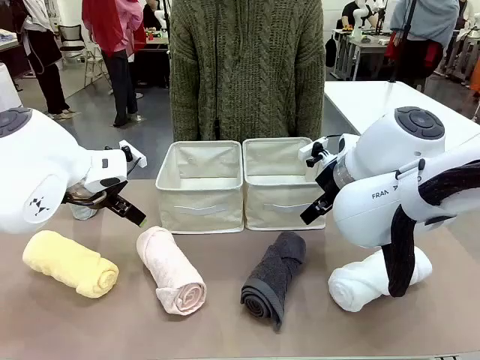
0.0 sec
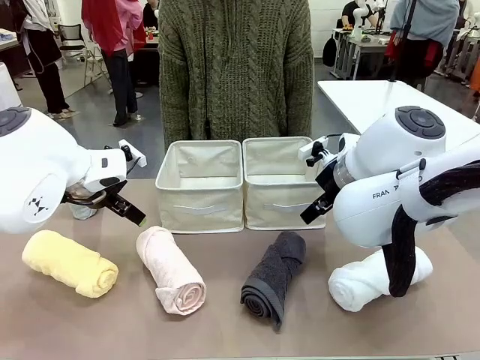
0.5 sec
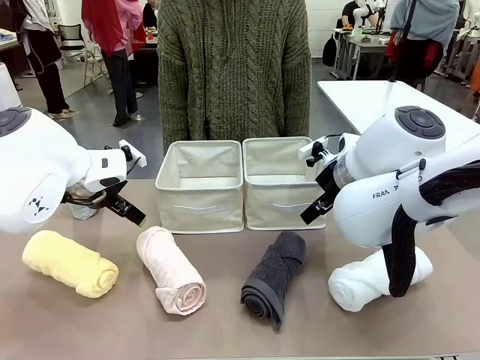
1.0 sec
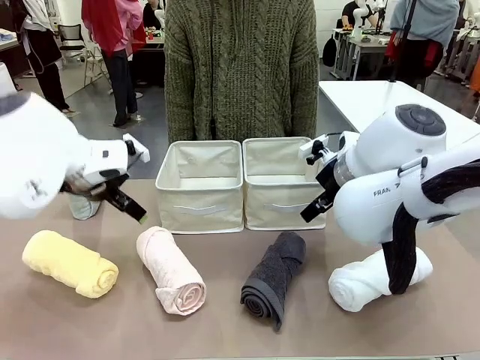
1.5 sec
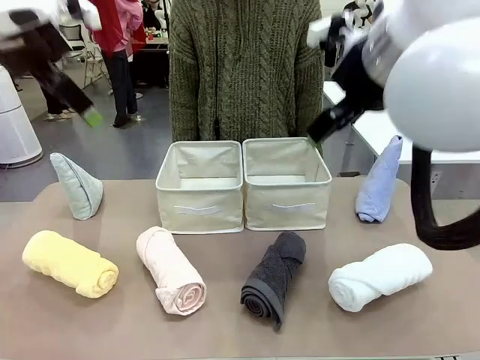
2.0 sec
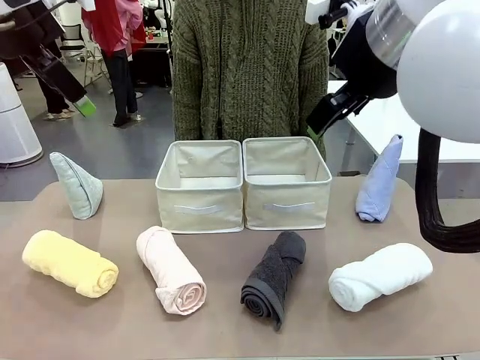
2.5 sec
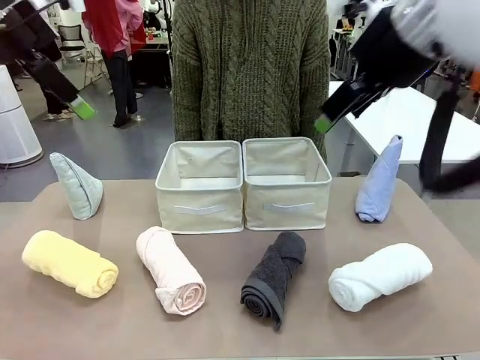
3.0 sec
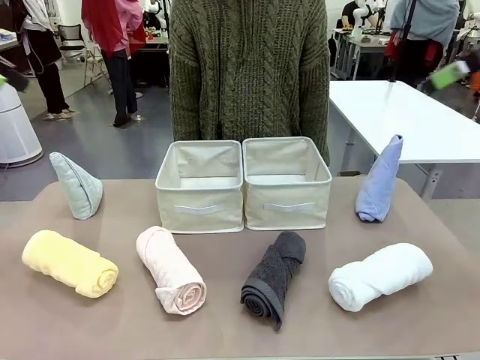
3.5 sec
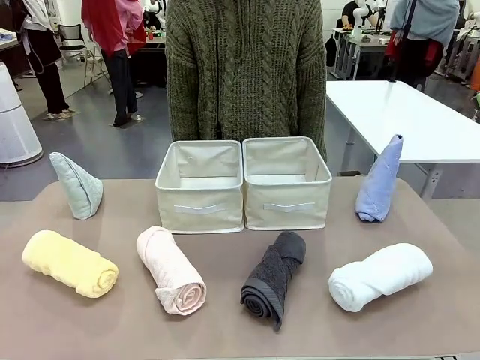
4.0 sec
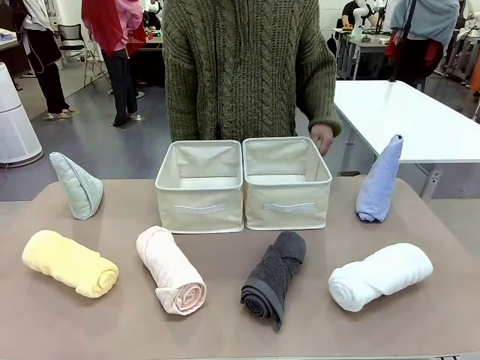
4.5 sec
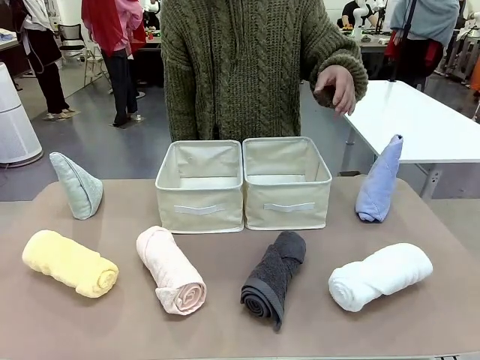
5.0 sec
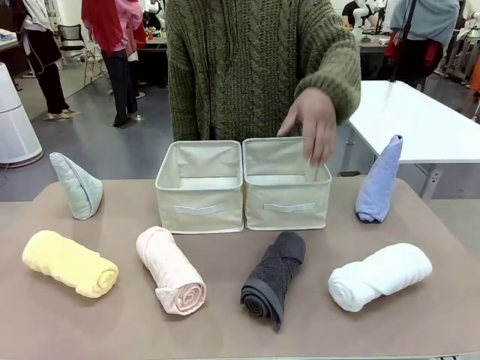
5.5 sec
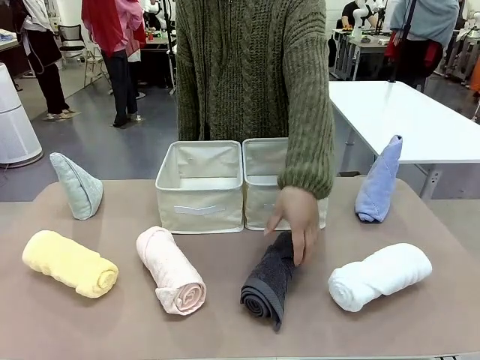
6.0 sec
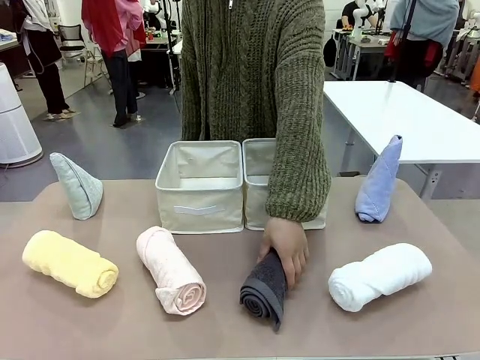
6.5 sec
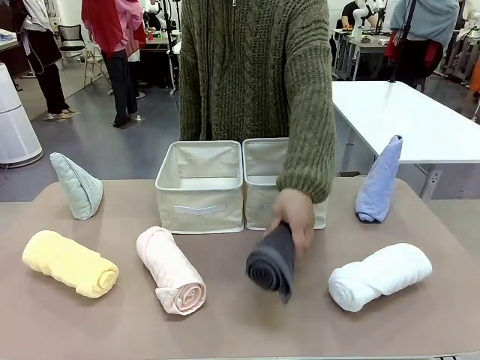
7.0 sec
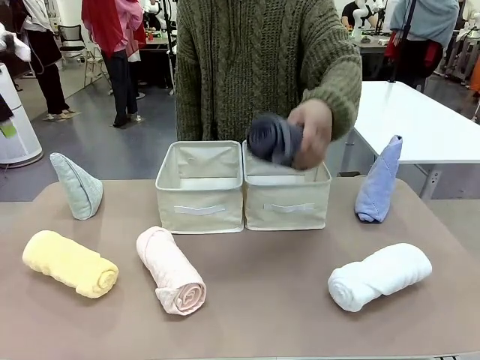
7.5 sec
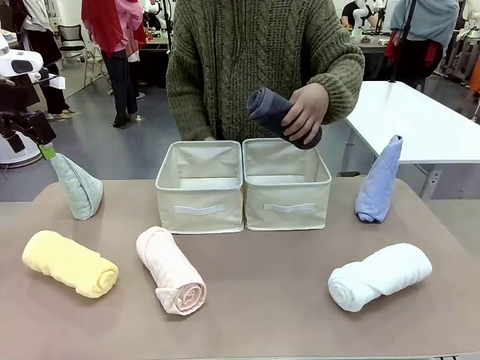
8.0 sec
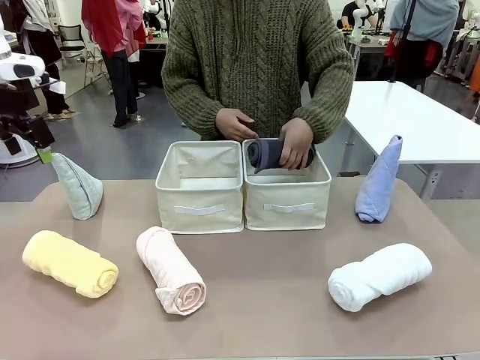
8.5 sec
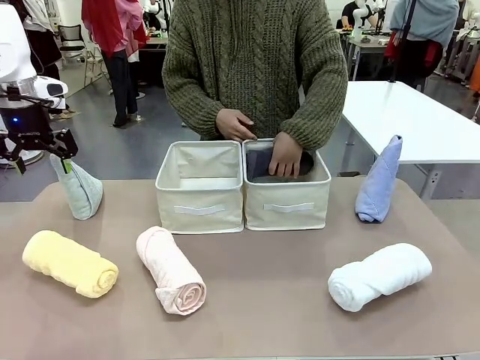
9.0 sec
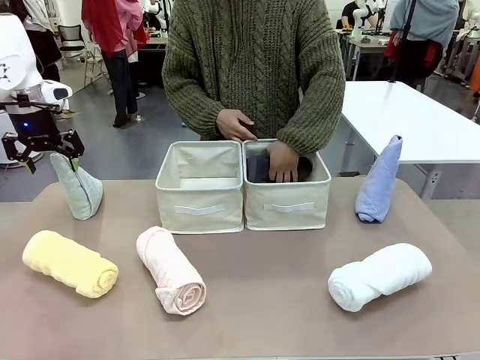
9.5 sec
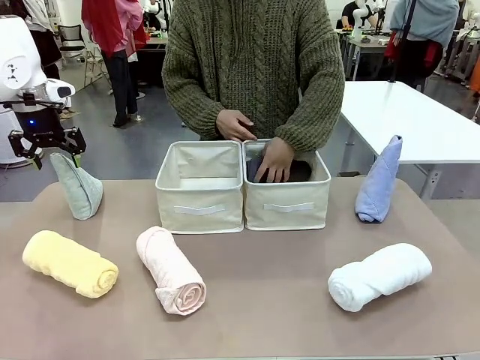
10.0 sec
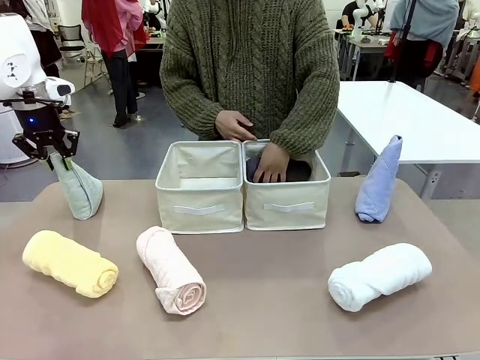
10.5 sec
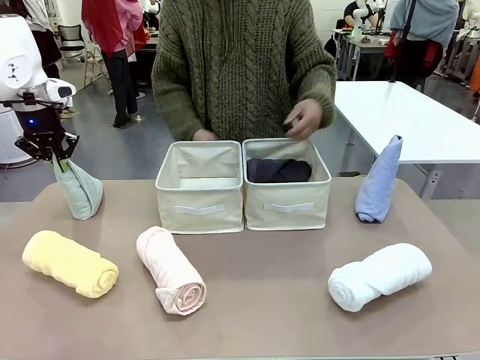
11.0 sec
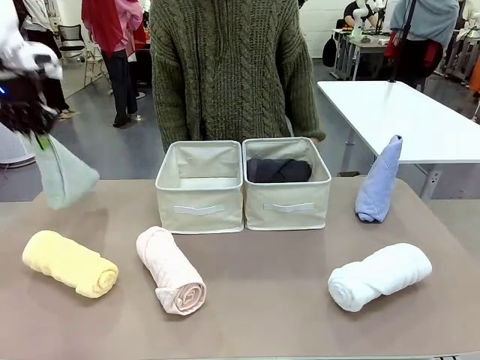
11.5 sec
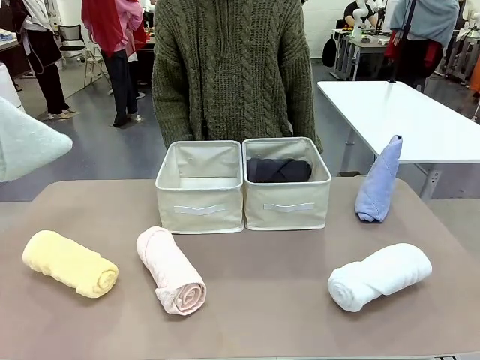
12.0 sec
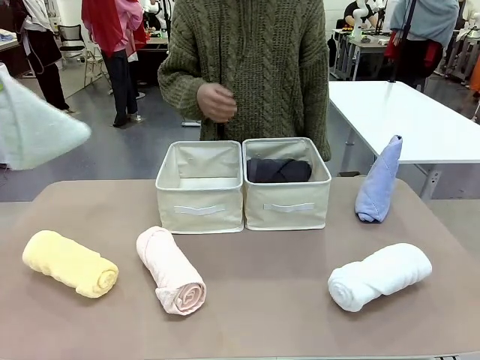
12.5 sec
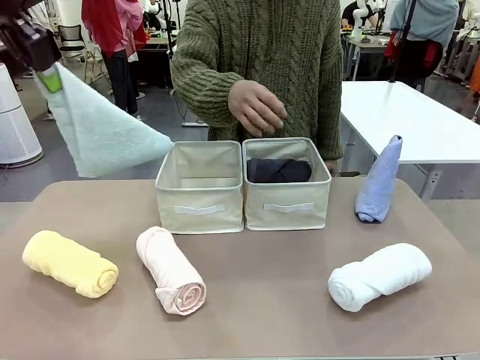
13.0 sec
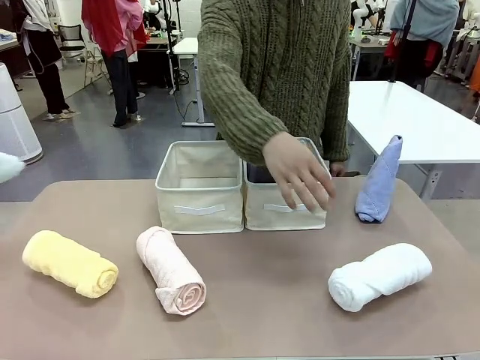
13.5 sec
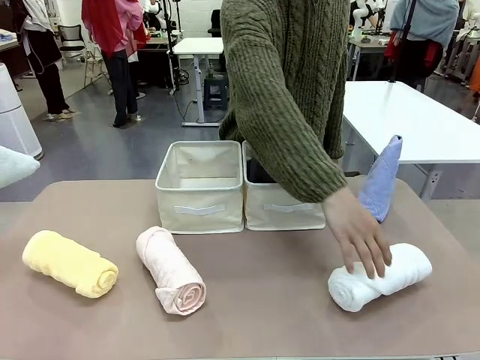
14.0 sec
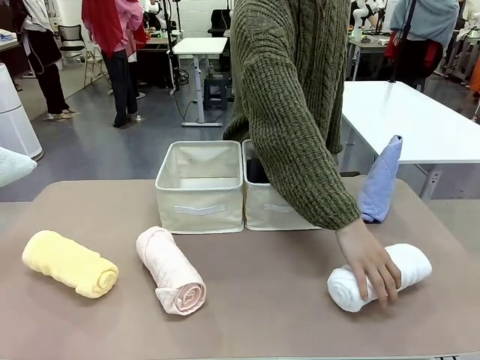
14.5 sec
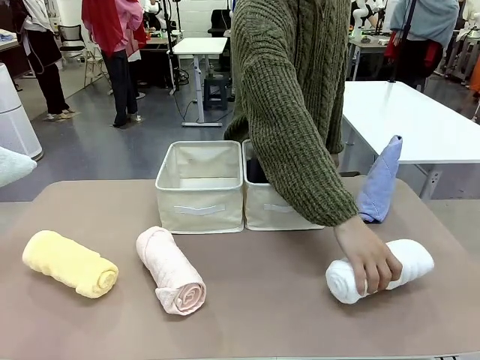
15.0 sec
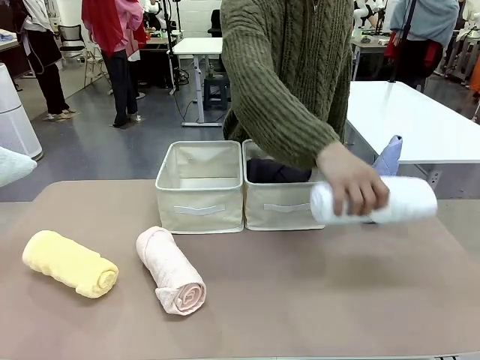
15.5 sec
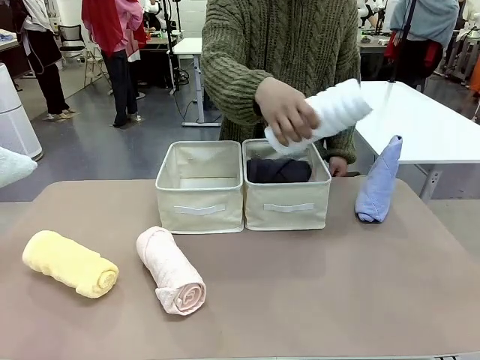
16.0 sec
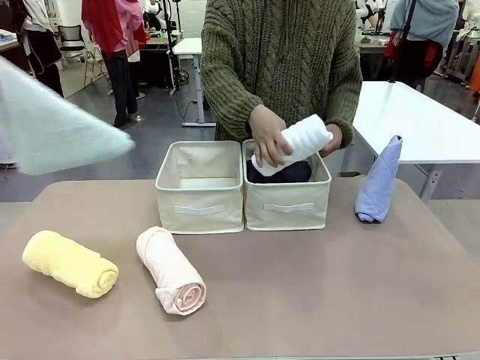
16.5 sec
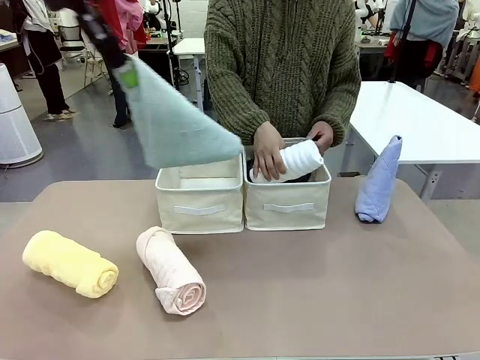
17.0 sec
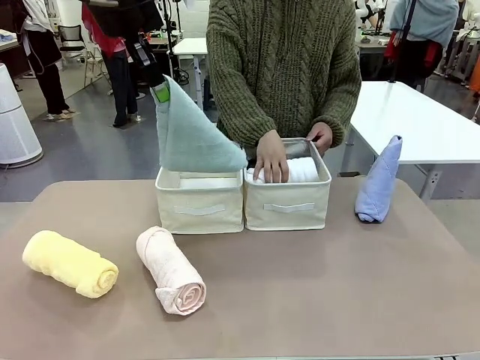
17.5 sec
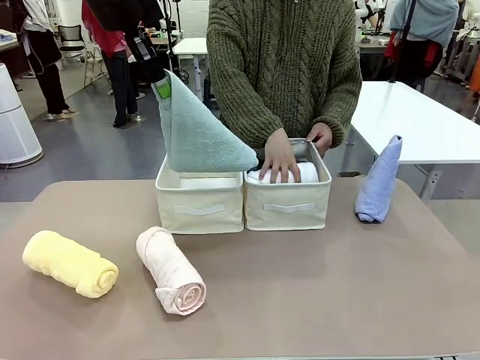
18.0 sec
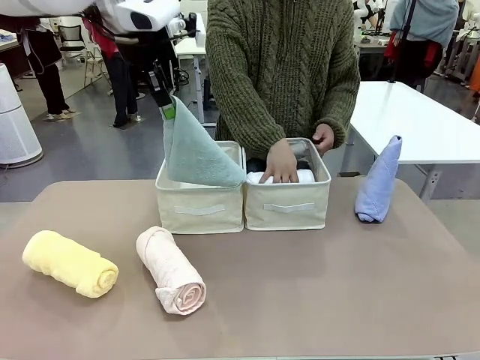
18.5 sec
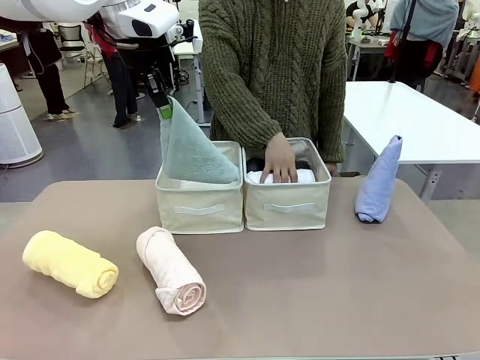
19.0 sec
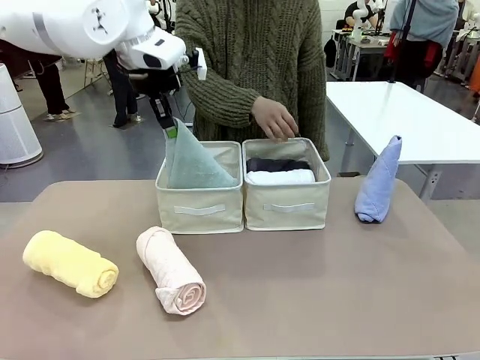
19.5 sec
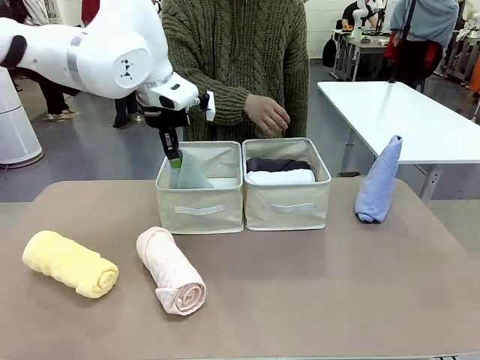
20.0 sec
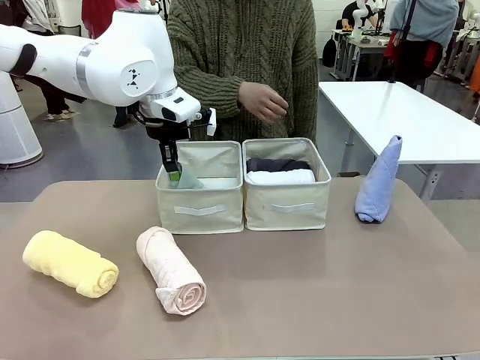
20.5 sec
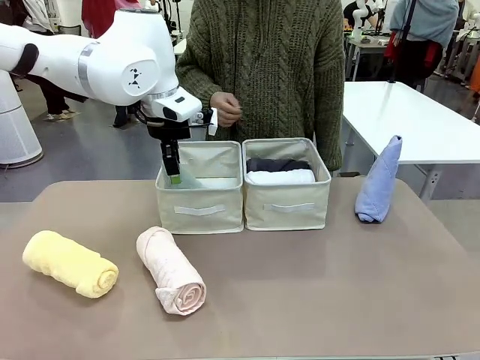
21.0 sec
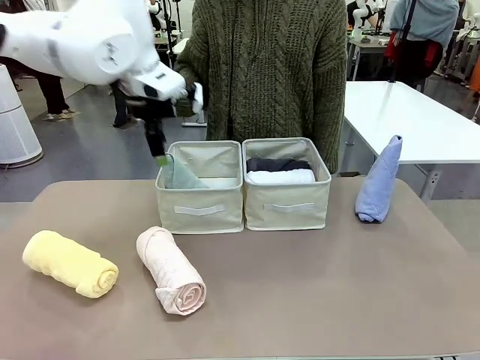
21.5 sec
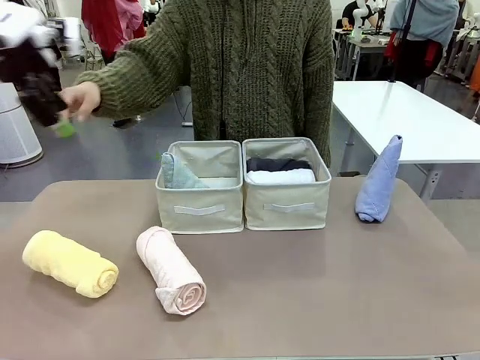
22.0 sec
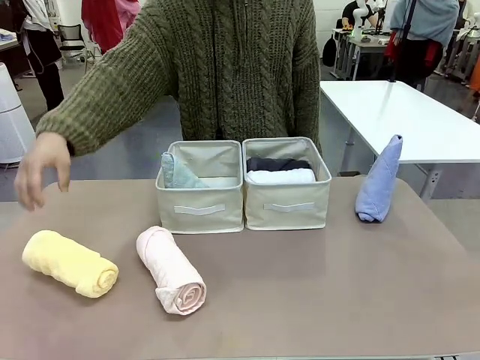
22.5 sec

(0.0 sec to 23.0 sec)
Task: Sort the towels based on their folding style.
Robot: Pick up one triangle-folded towel and place it in the left Fabric basket.
Person: Pick up one hotel-style rolled towel and place it in the left fabric basket.
